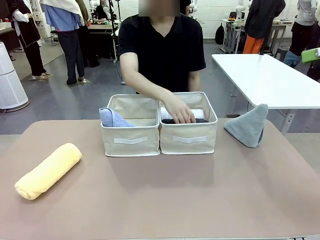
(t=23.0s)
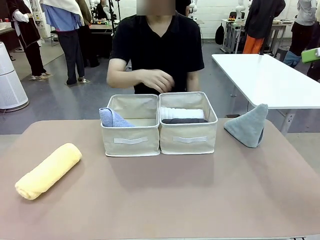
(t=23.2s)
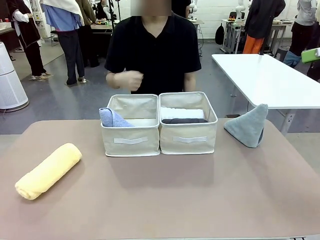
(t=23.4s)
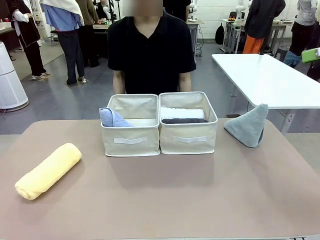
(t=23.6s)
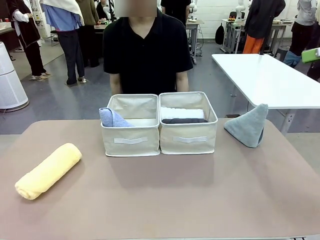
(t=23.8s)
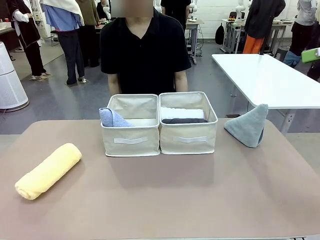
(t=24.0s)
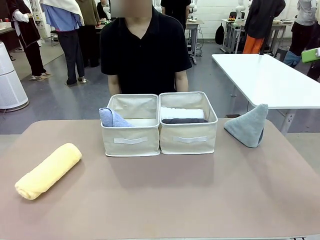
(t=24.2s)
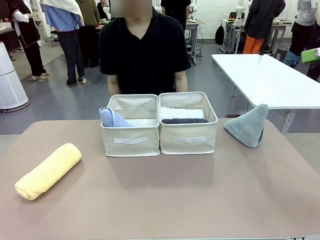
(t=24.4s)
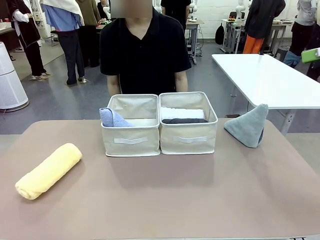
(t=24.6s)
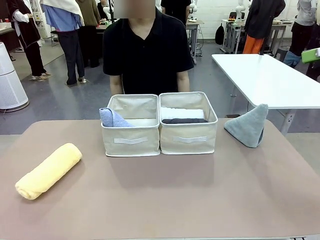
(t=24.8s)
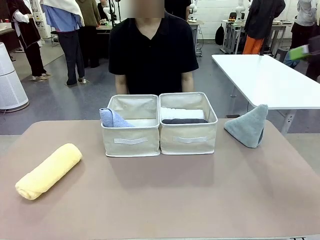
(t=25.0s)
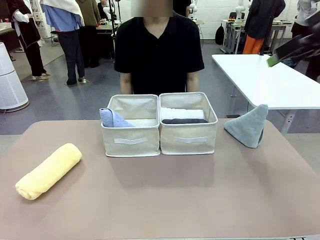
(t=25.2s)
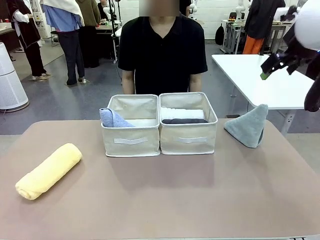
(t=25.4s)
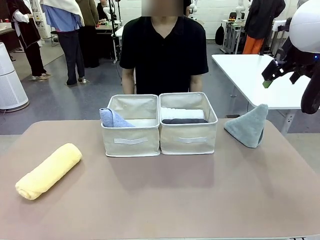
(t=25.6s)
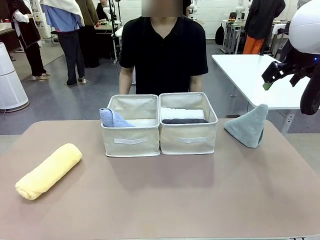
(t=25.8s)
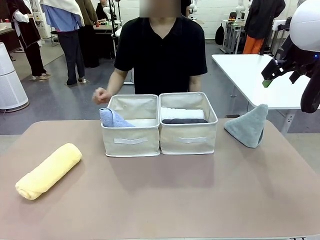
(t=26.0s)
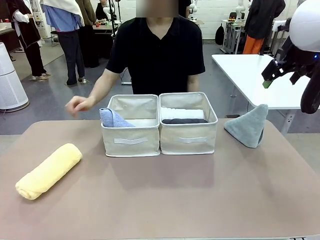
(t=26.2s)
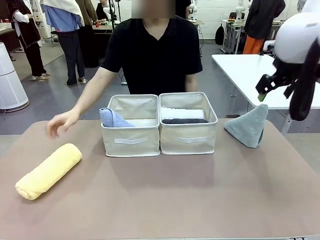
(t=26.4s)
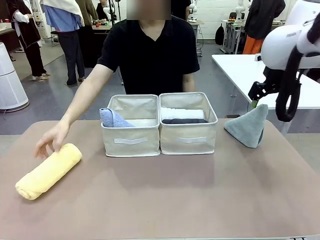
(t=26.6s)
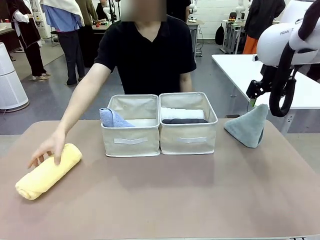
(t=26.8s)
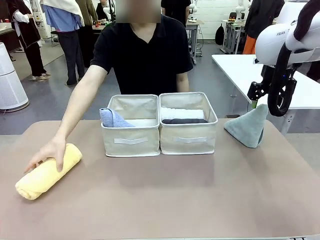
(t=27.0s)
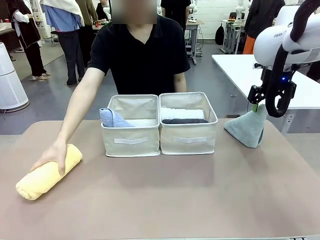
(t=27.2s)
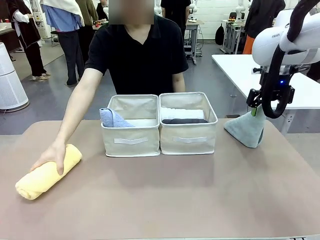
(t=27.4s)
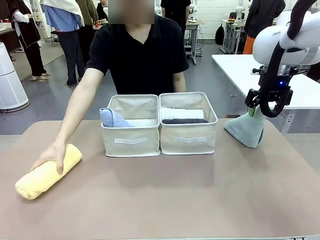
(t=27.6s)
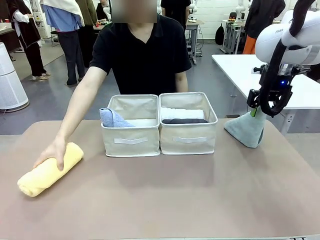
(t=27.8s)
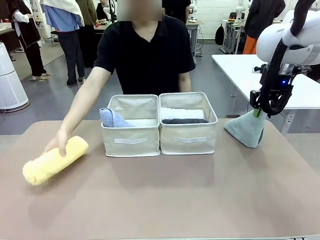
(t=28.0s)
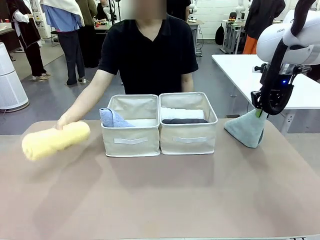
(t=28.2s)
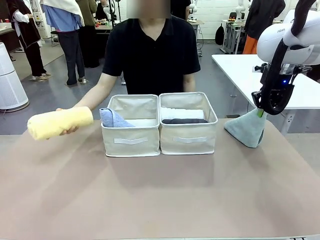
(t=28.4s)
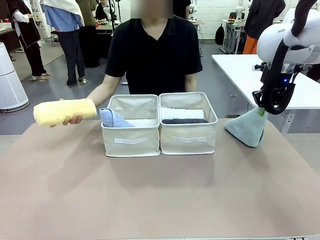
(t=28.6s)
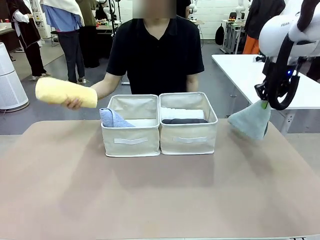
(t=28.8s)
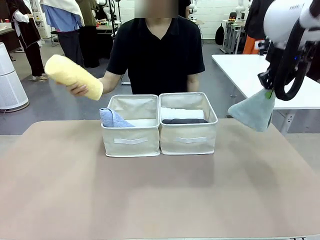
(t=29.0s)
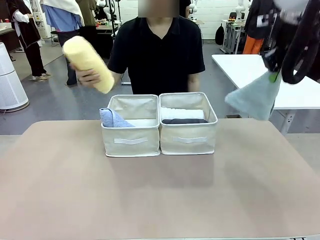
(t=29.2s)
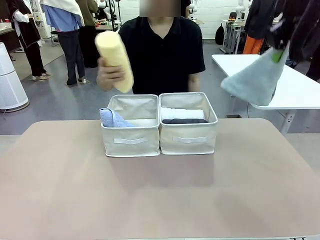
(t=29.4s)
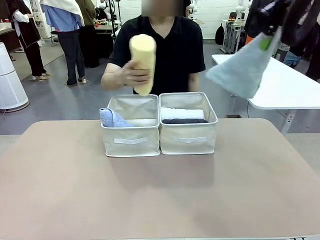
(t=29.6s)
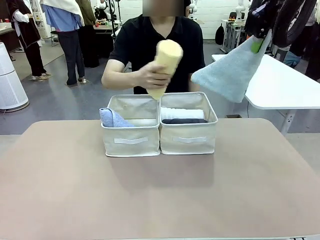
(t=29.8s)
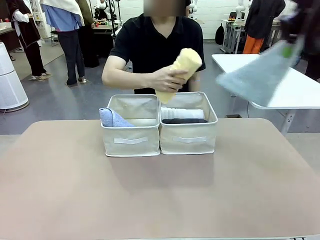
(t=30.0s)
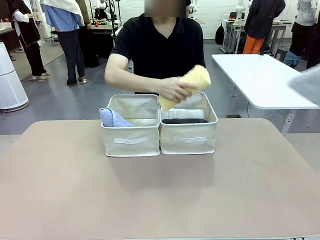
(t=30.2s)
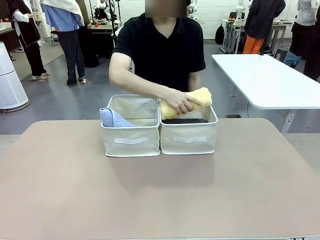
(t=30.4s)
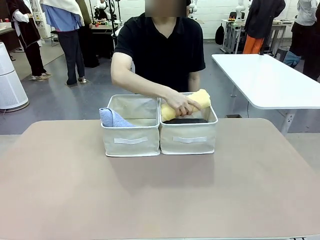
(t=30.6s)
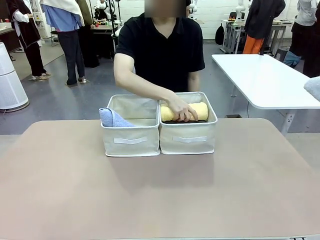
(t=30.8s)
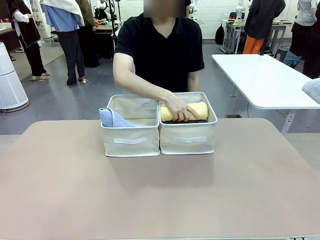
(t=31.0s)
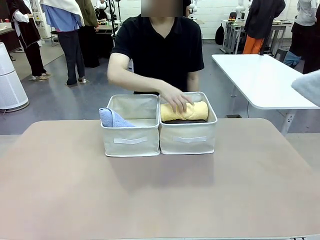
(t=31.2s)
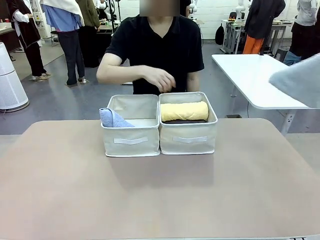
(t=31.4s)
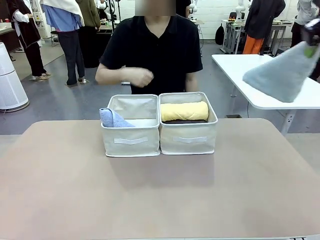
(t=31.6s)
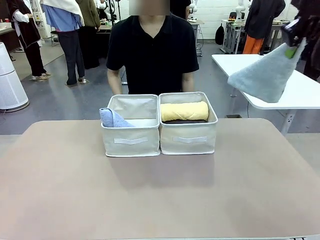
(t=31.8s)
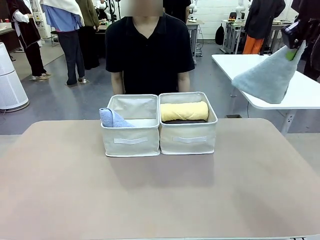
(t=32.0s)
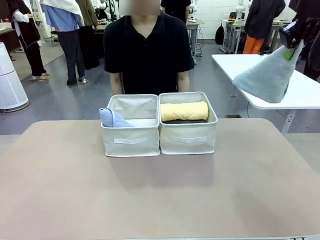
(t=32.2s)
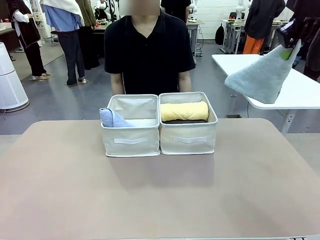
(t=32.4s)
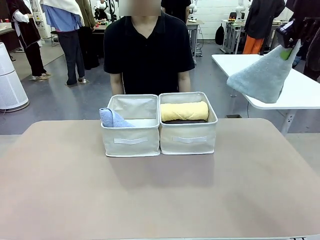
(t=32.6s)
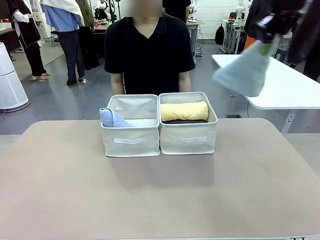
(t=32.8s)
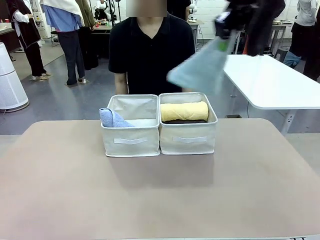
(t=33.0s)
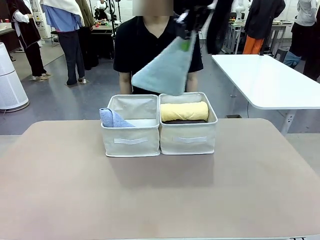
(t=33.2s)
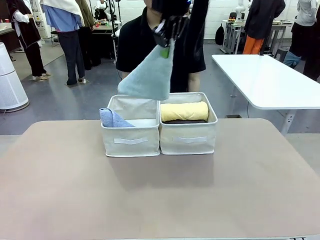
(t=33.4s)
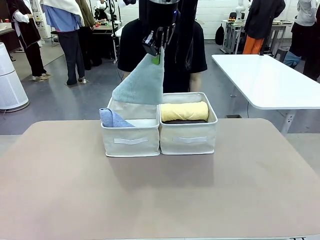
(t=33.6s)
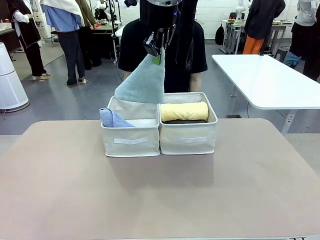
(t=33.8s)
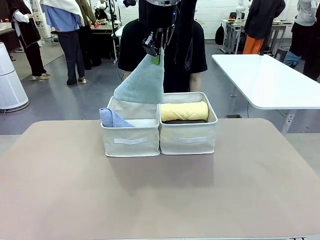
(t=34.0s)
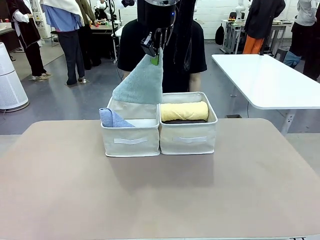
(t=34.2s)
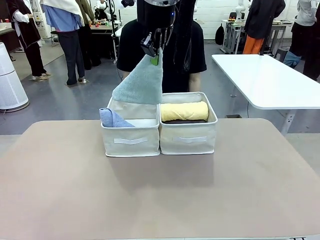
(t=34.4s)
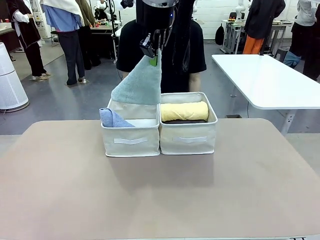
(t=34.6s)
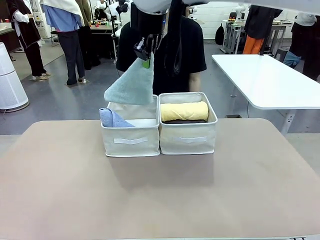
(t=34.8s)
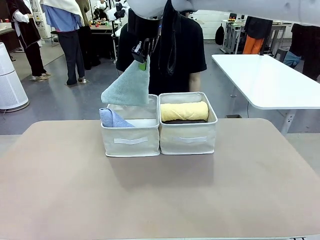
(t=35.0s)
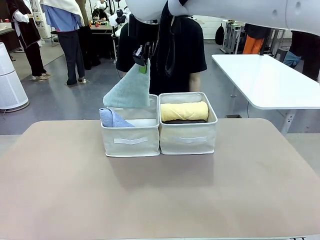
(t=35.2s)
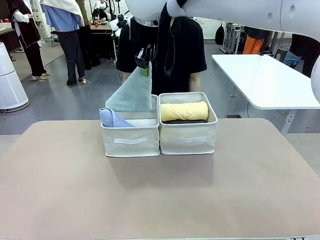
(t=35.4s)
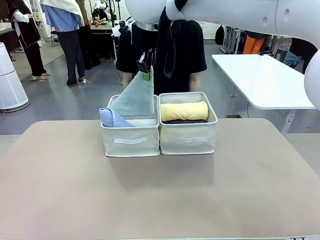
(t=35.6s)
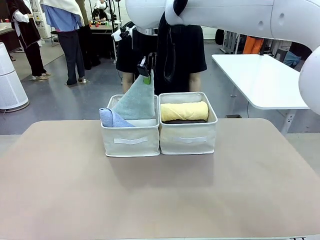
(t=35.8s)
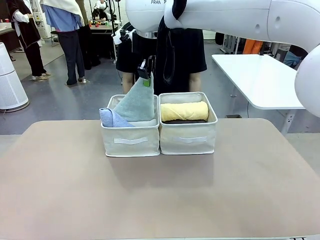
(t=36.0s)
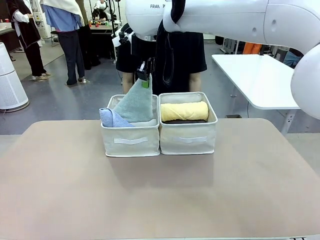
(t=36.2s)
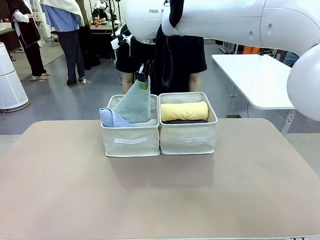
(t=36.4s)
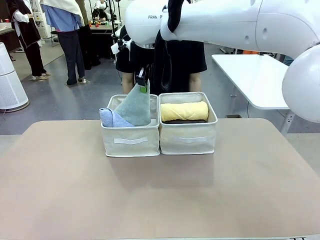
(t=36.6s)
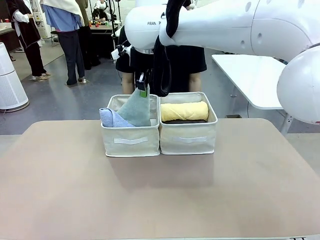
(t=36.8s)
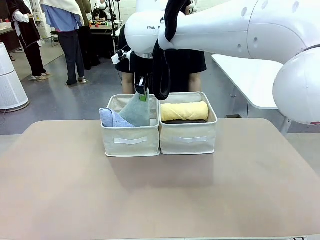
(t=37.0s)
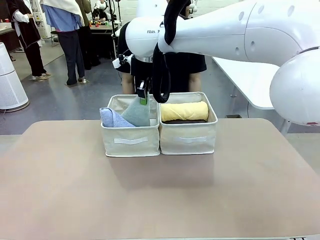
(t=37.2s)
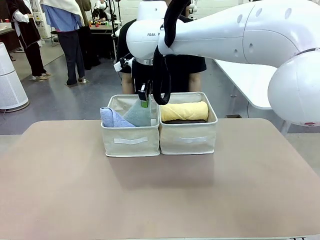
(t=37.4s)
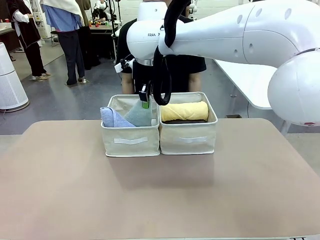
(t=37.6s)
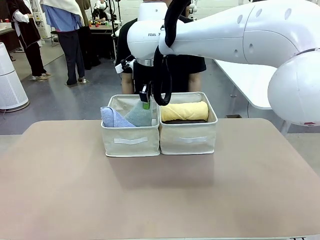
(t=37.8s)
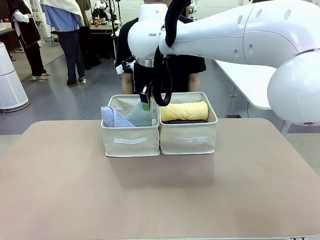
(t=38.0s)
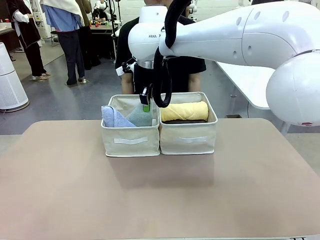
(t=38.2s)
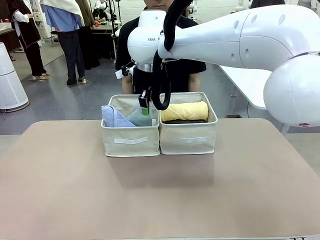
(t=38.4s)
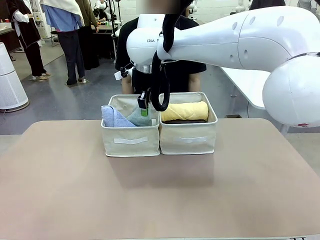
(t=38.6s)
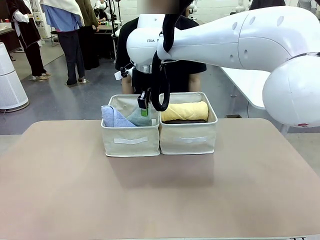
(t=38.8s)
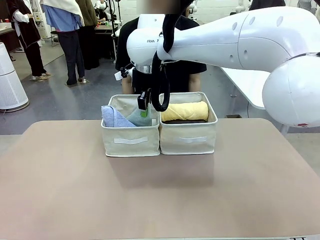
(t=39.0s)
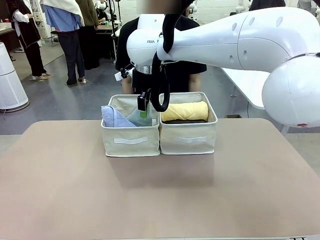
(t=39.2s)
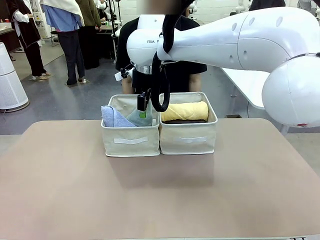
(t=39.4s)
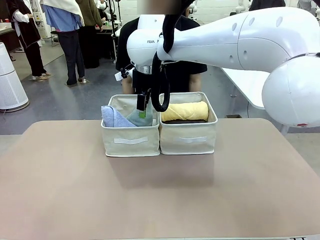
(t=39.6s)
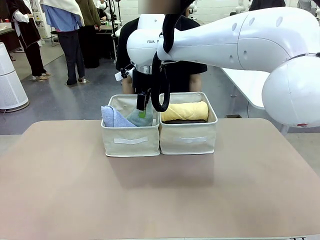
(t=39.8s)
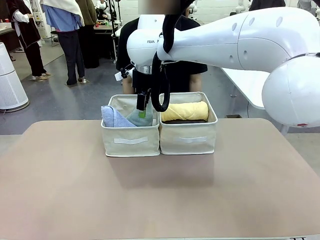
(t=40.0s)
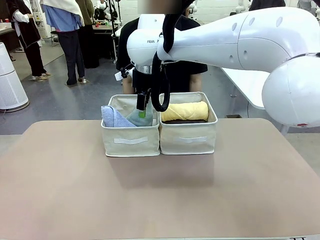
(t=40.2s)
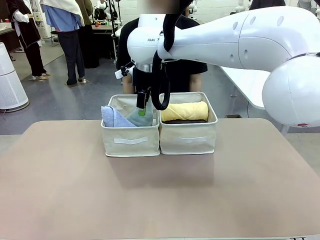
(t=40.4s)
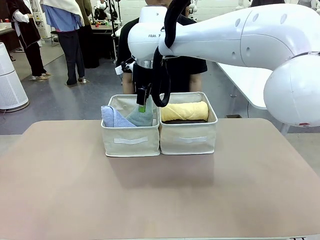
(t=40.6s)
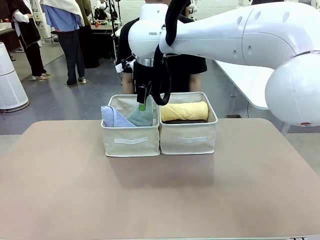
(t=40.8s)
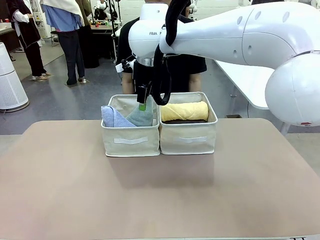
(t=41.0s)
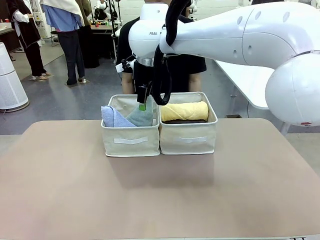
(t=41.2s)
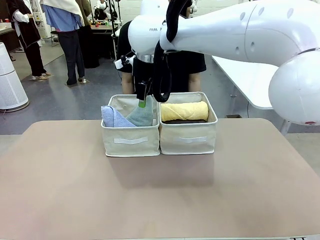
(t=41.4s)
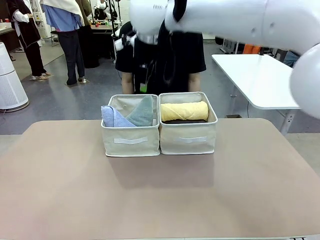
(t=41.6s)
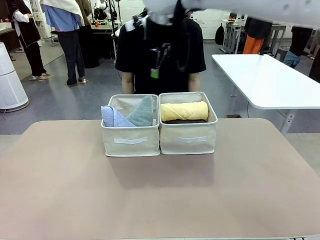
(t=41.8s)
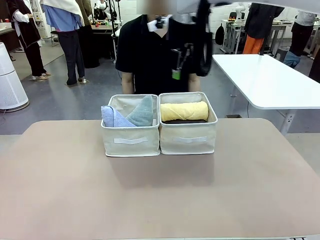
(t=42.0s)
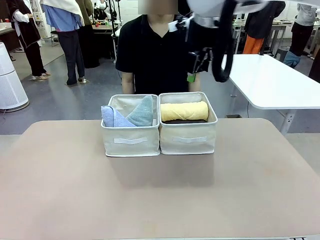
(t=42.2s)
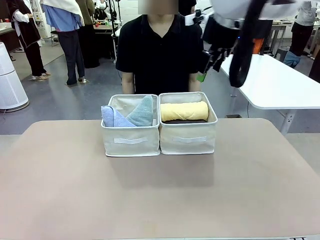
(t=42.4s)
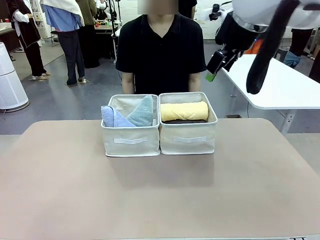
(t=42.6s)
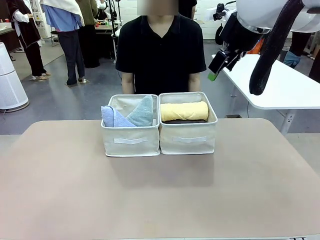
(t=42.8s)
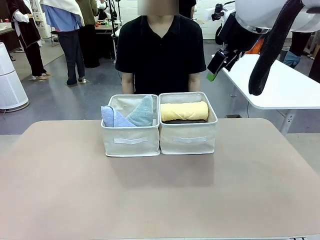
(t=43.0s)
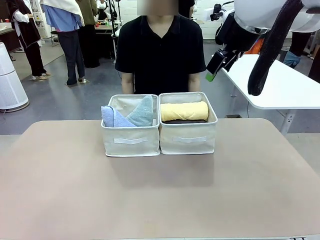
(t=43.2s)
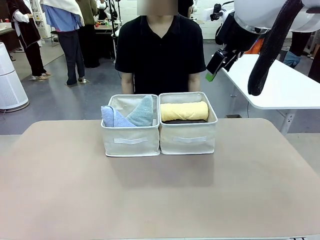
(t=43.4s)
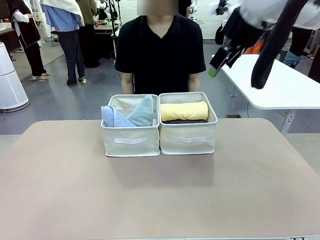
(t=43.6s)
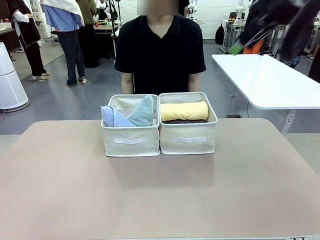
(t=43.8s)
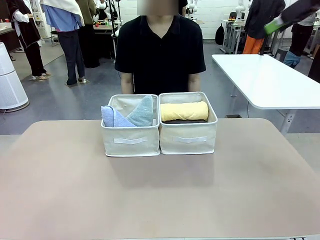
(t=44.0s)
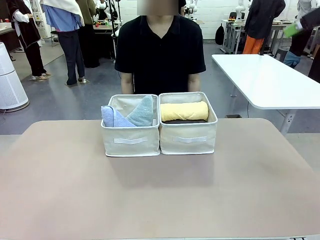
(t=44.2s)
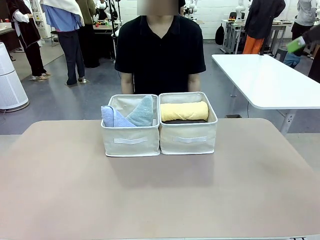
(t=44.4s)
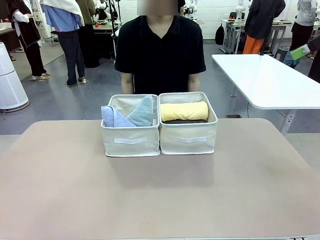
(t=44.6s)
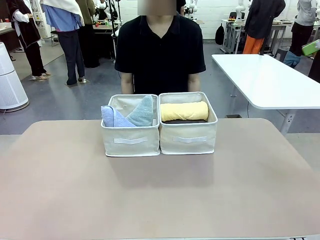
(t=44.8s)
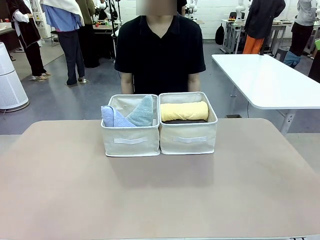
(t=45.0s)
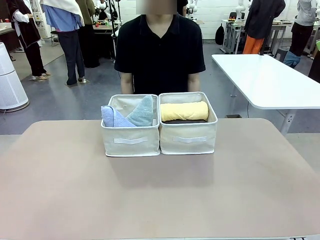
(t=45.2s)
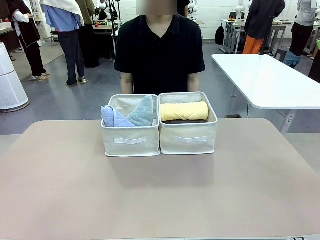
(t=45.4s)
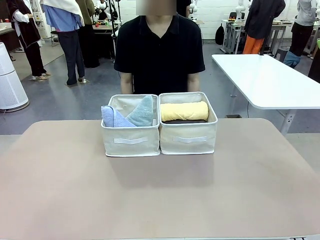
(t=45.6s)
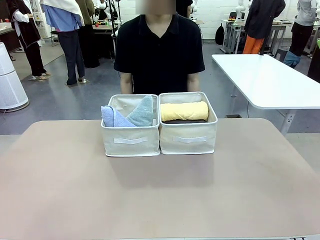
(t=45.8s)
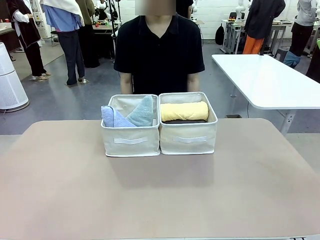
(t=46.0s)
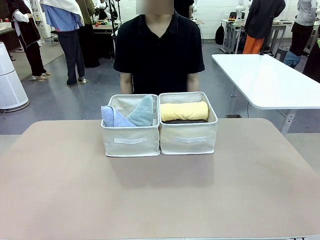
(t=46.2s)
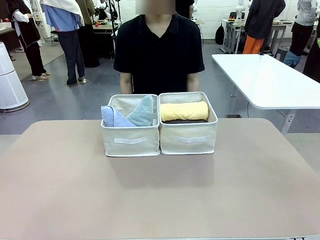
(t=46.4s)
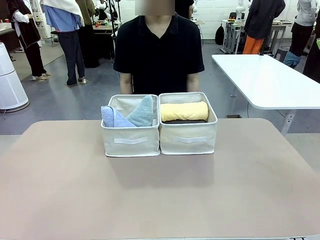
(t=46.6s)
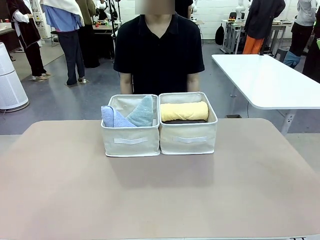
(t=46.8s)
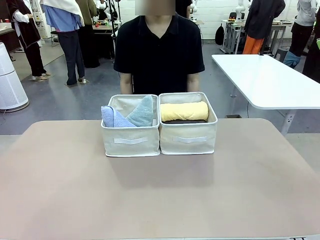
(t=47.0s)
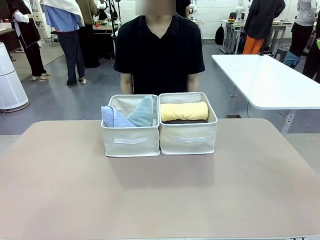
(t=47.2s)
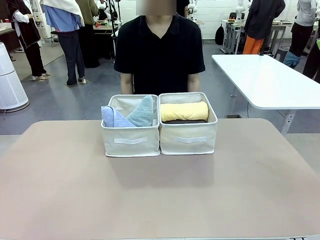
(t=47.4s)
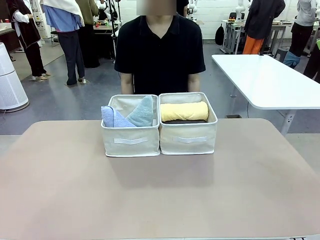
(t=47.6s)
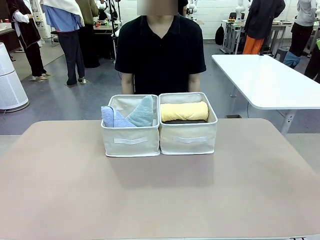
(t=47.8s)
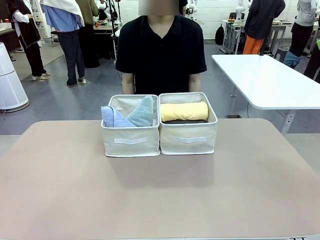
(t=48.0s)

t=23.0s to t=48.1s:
Task: Sort the towels based on their folding style.
Robot: Pick up another triangle-folded towel from the table and place it in the left Fabric basket.
Person: Pick up one hotel-style rolled towel from the table and place it in the left fabric basket.
